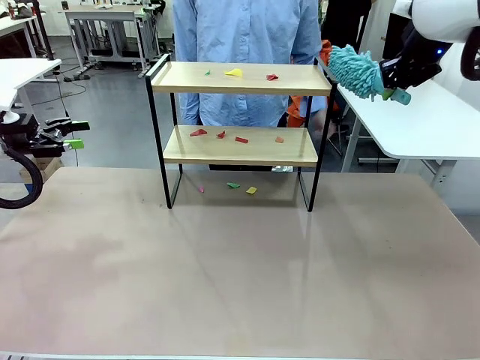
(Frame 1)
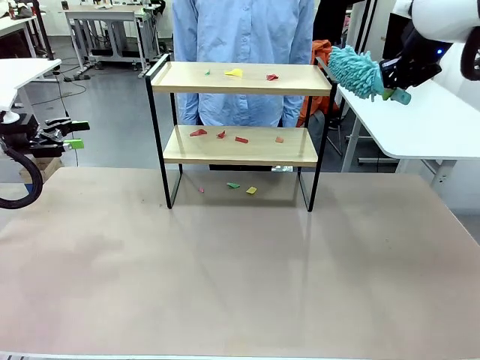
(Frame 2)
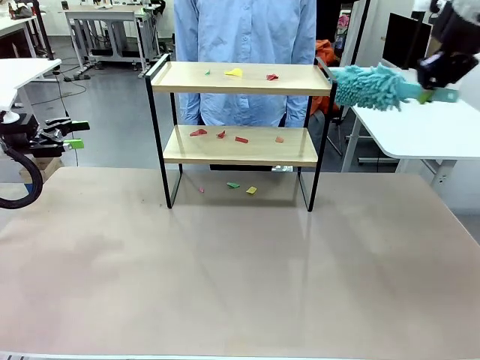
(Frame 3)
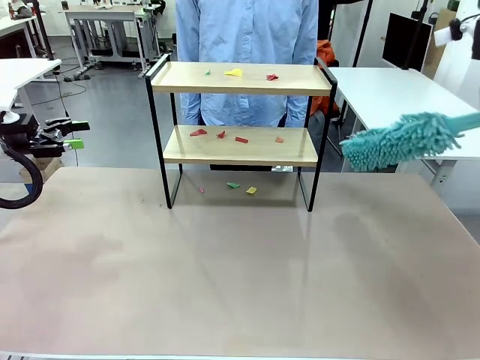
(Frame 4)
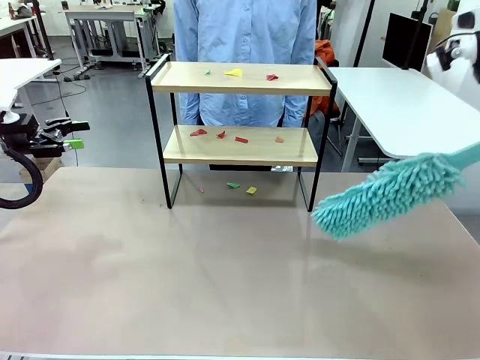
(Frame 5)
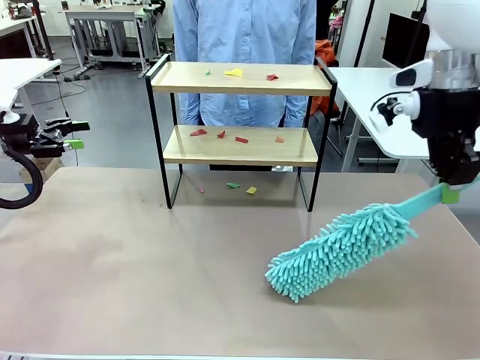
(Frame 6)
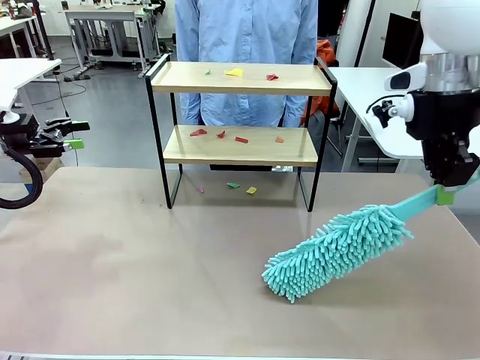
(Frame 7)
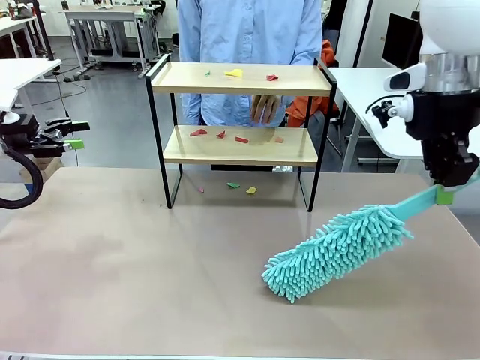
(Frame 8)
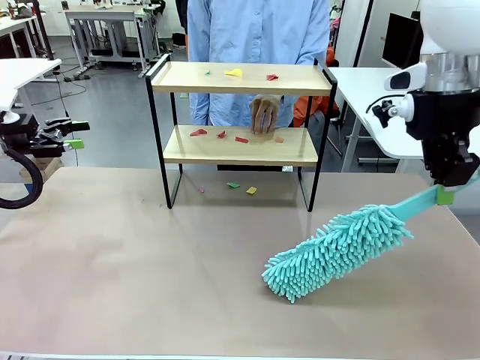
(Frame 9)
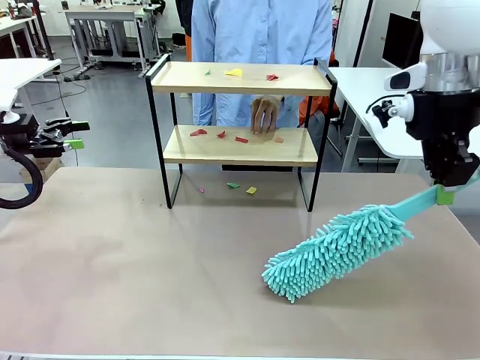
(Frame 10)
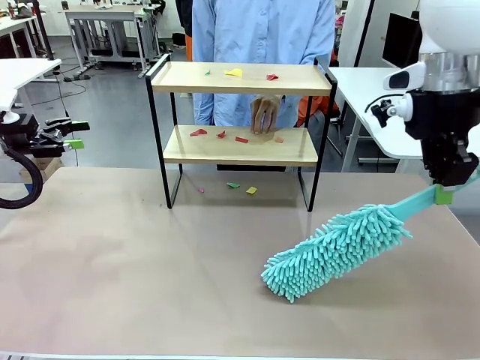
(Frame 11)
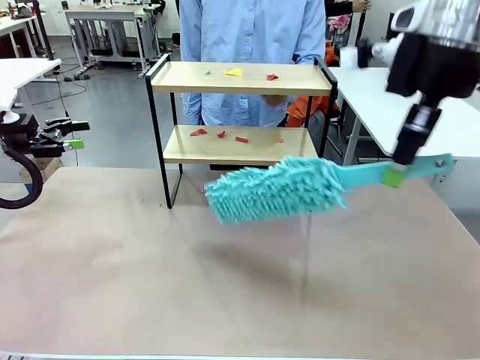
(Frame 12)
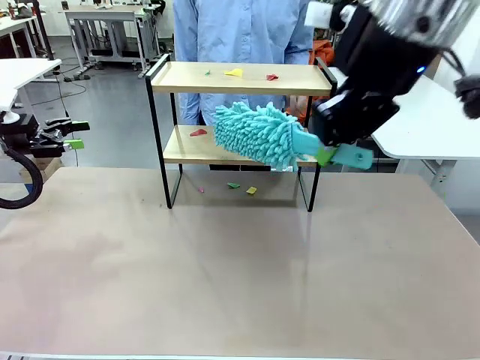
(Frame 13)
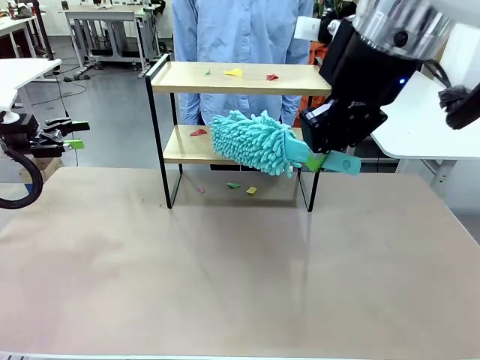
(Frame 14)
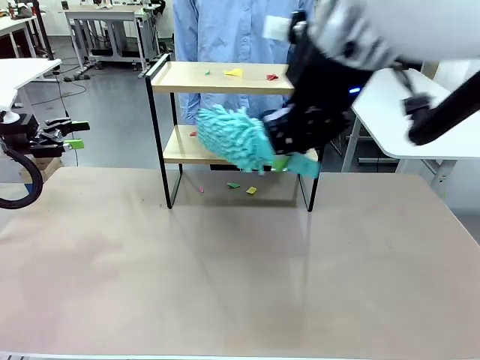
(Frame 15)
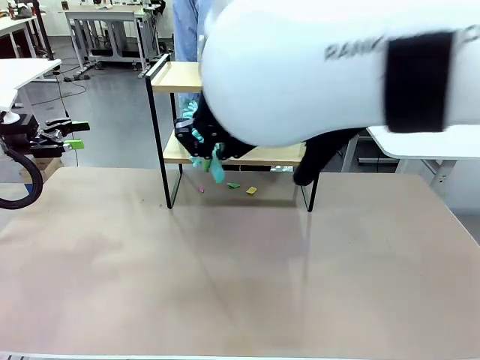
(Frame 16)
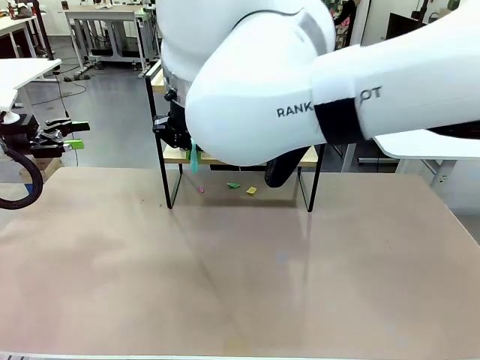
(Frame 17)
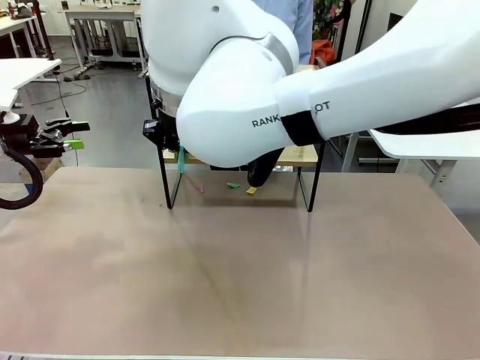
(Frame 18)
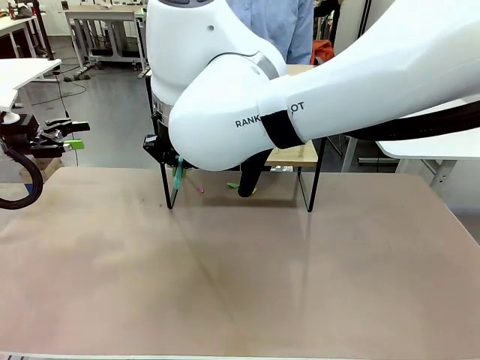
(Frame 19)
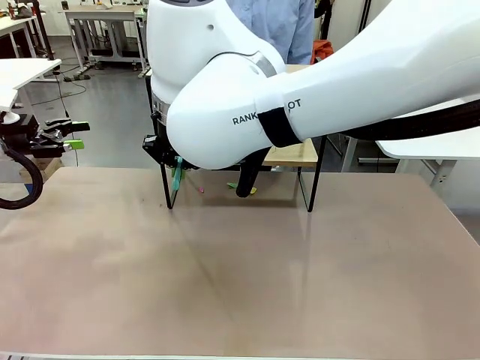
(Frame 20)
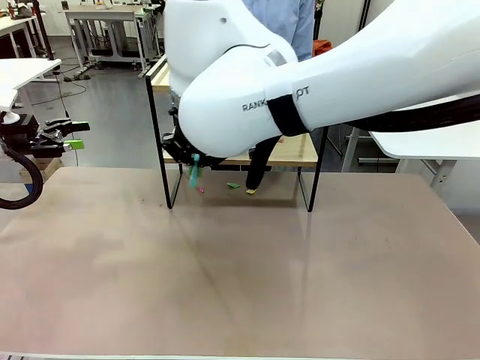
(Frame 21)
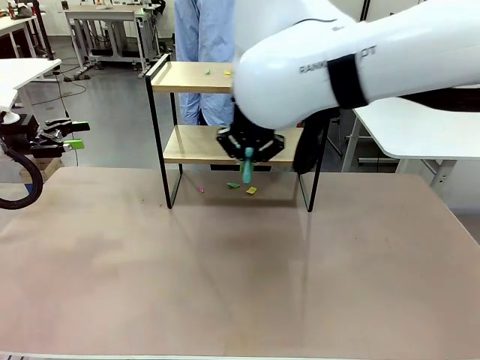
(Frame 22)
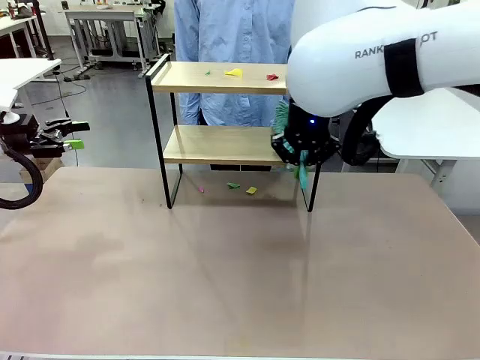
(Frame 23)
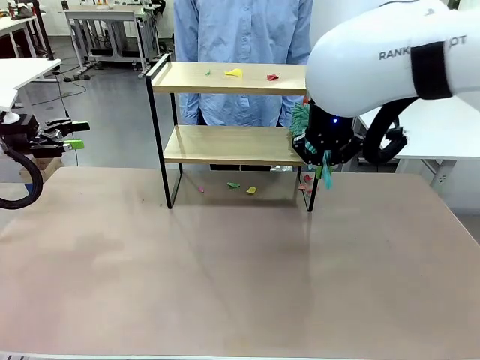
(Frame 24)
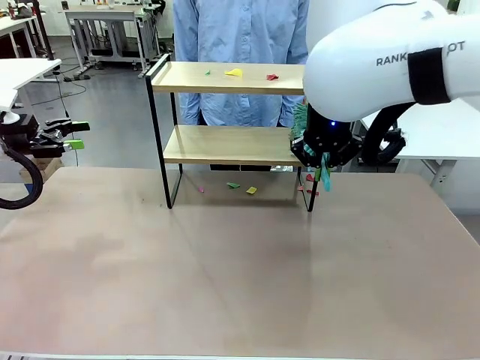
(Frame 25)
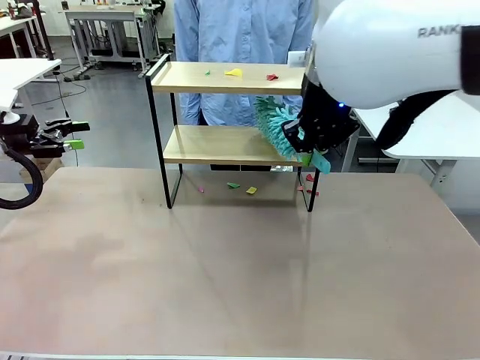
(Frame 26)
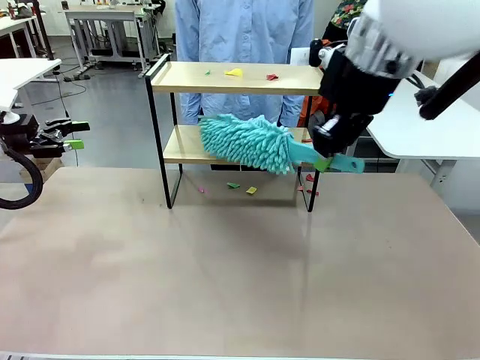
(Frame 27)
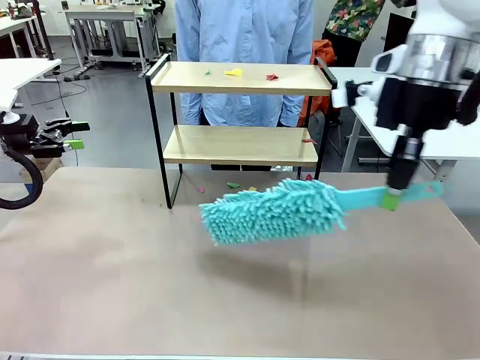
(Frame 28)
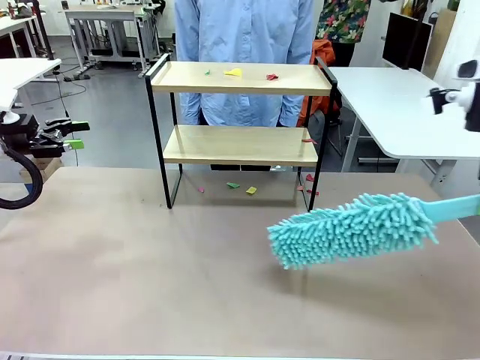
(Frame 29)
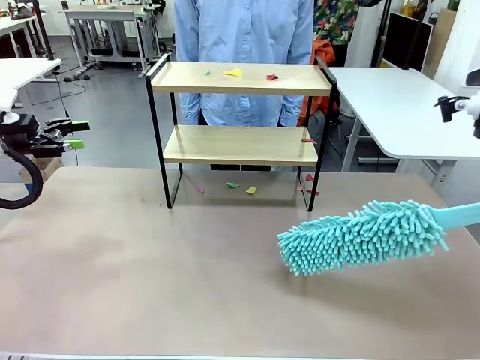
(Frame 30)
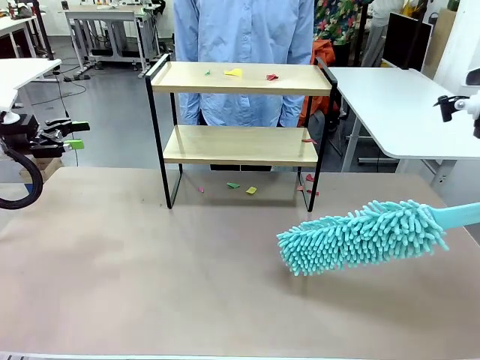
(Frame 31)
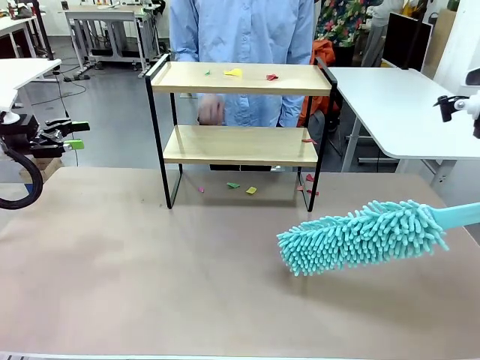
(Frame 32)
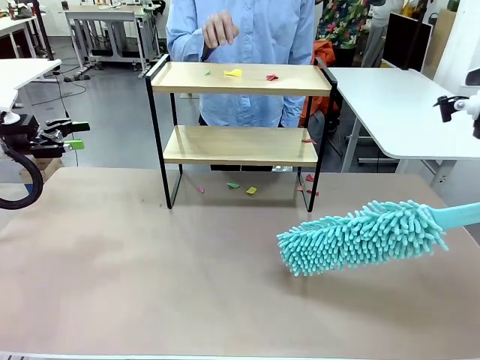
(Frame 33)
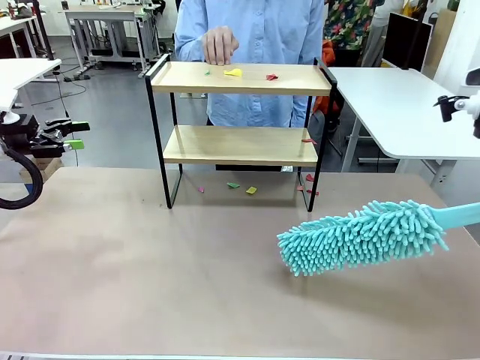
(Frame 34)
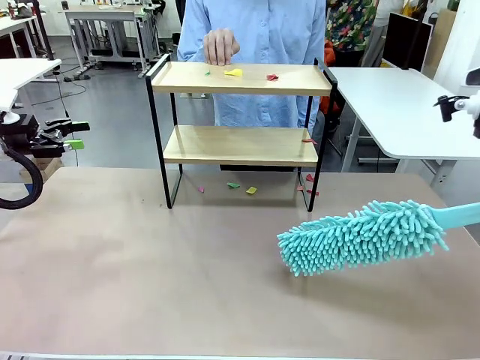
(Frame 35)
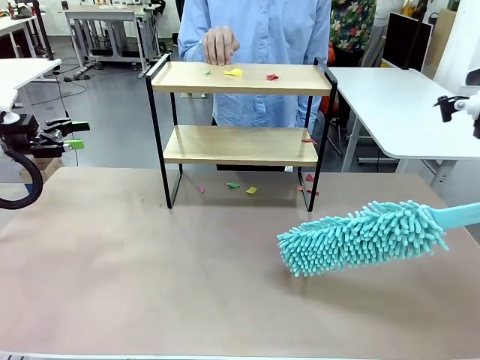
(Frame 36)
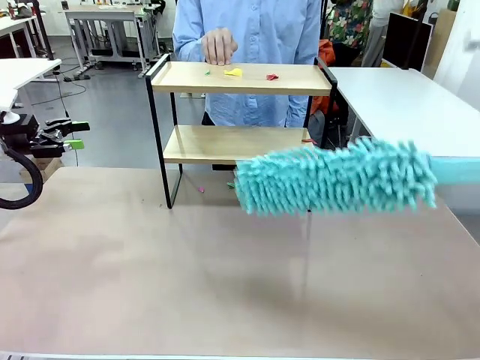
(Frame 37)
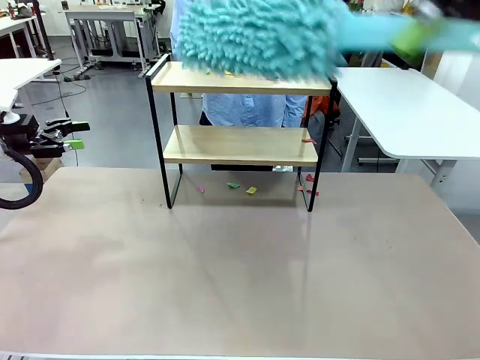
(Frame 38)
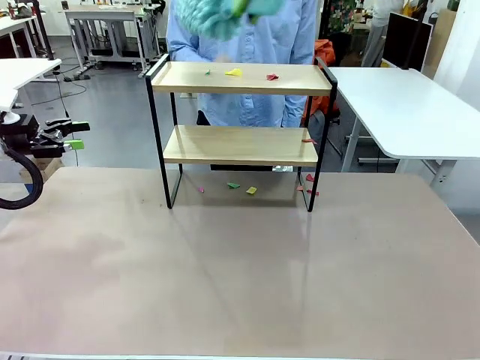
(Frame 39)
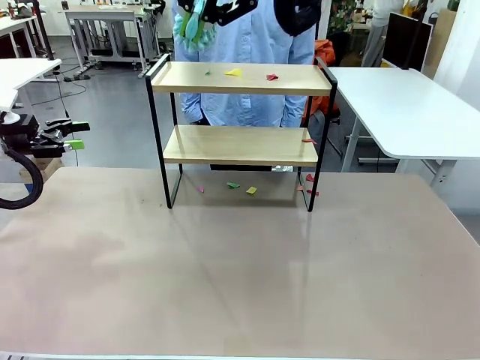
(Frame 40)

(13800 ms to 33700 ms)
Task: Clean the shelf.
Robot: Clean the specific section of the Shelf indicated by the human with the Duster.
Person: Point a random section of the Shelf.
